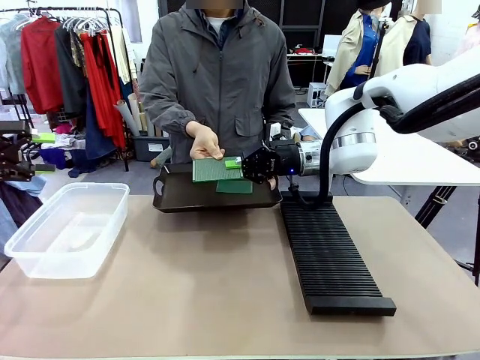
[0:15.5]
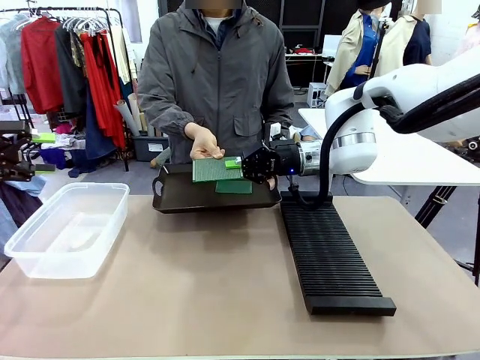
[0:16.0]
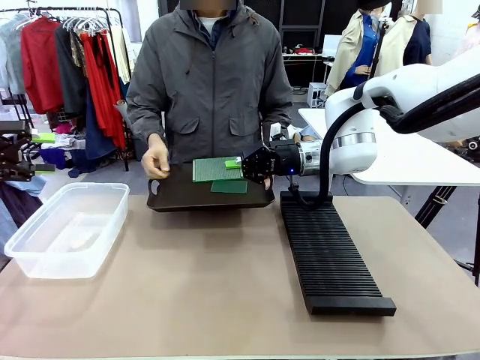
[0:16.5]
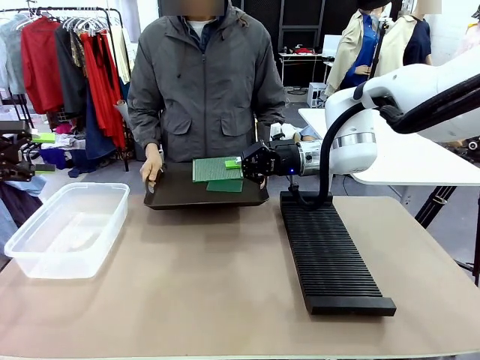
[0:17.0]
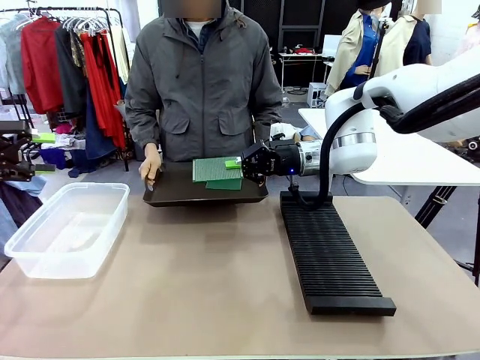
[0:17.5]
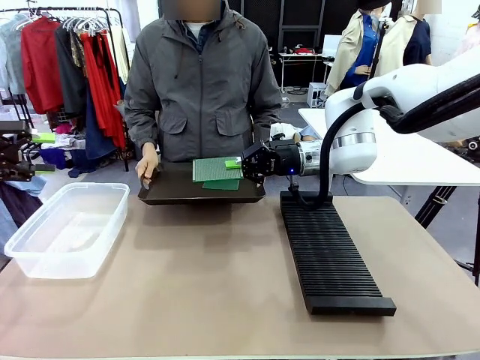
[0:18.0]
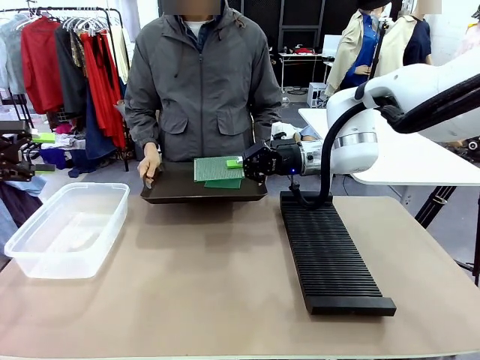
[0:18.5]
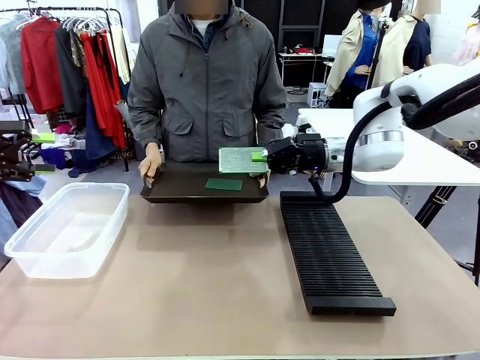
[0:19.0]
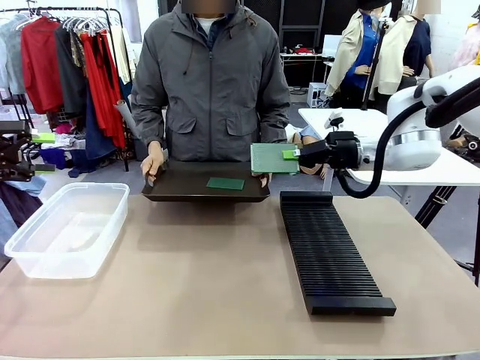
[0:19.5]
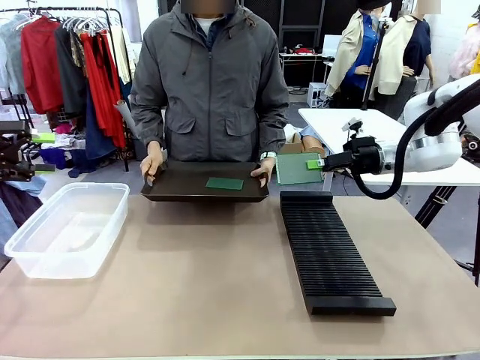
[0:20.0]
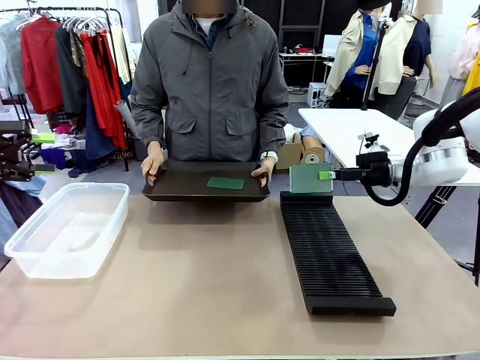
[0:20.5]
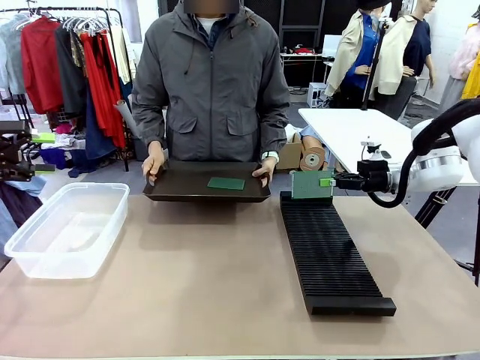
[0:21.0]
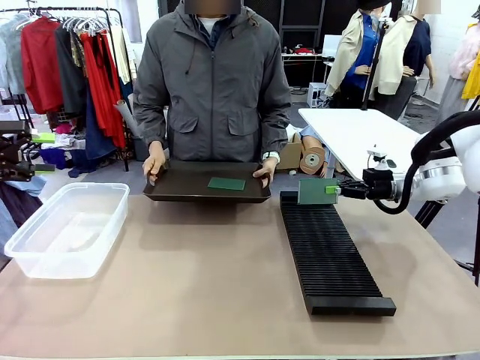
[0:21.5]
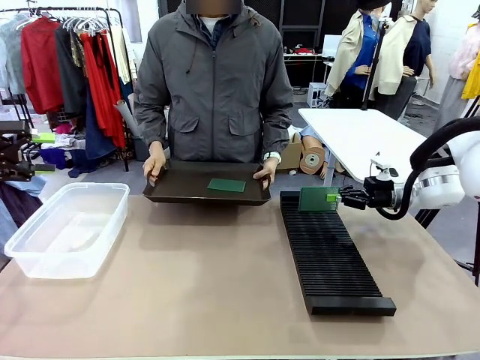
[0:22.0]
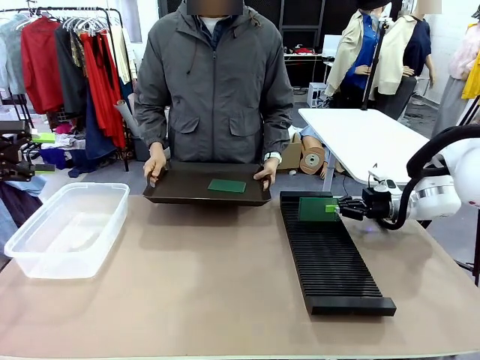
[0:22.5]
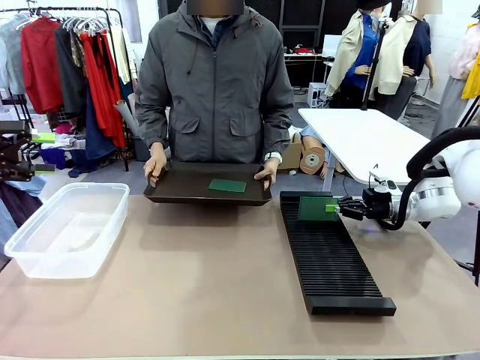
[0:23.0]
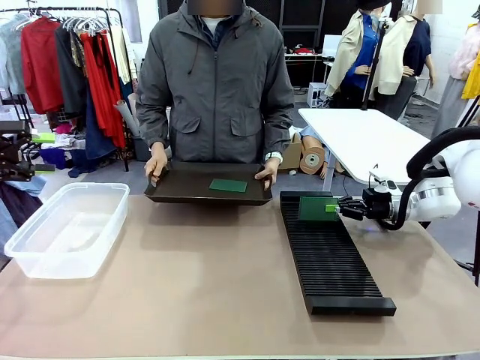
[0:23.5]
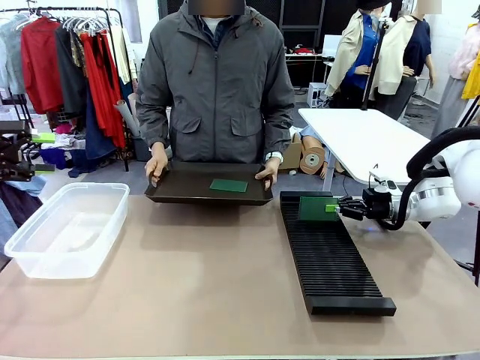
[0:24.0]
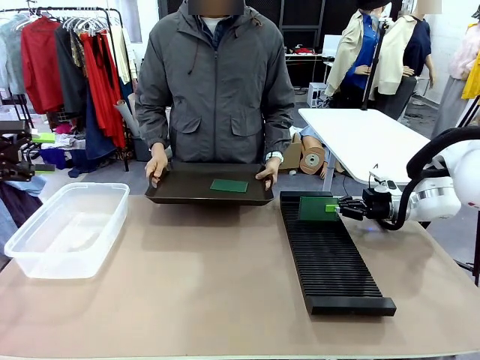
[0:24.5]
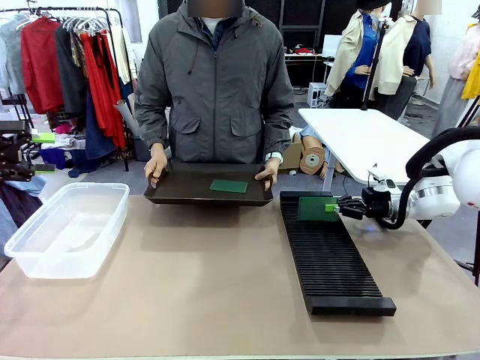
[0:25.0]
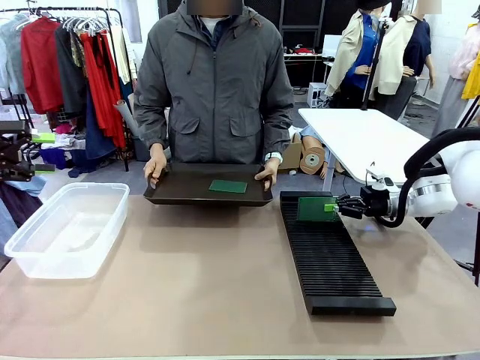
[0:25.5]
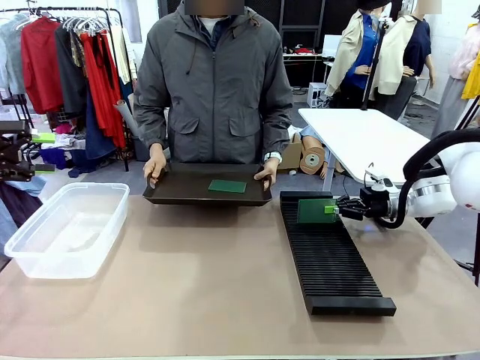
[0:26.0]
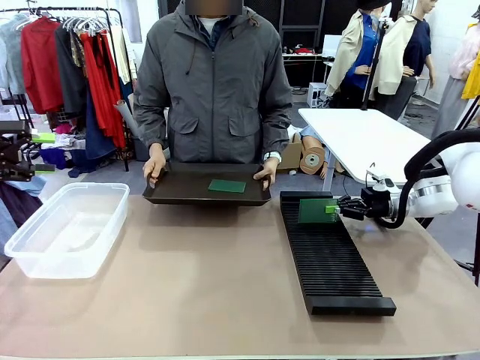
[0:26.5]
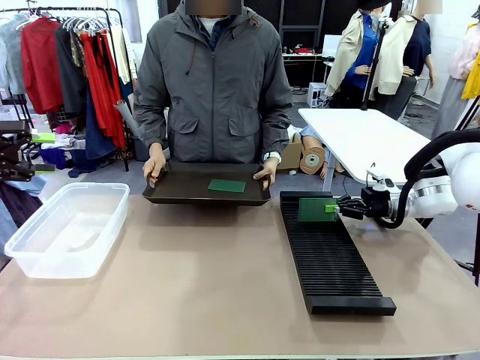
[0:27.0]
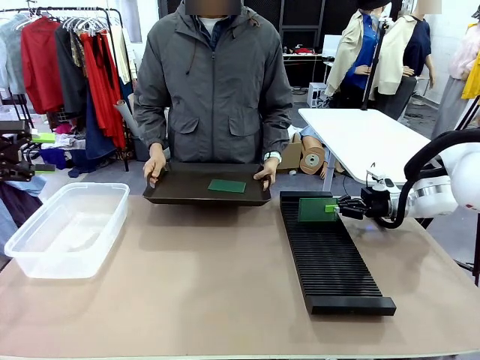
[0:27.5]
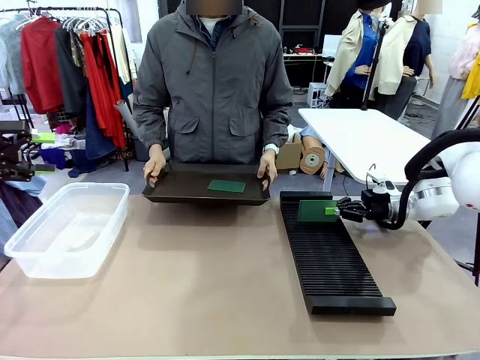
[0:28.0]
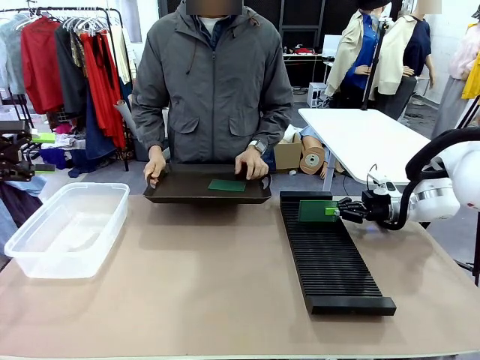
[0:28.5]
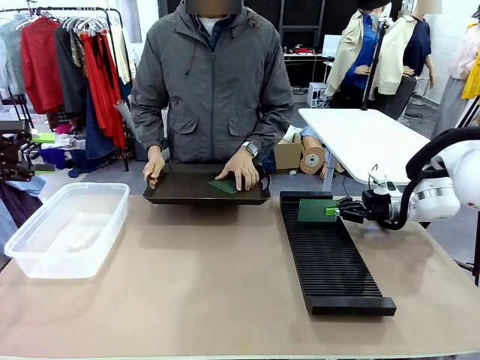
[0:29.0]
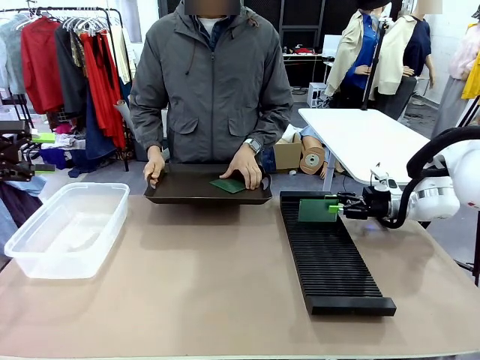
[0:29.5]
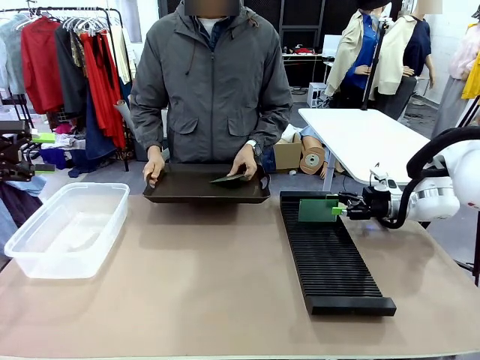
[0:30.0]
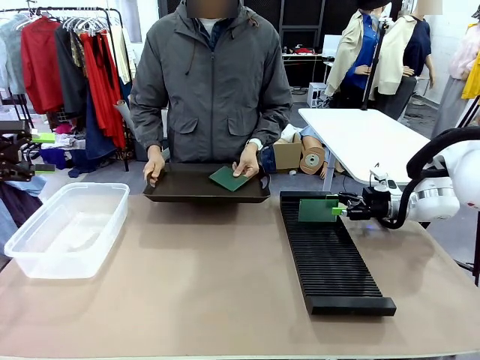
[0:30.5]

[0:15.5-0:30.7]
Task: Sort PCBs into racks and boxes based on the side picked up.
Robot: If the short side of the Blank PCB is picked up, insert it into the PCB Rack ; if the long side is picked up, place it in the Organizing box.
Person: Pick one PCB from the tray and present it to the robot.

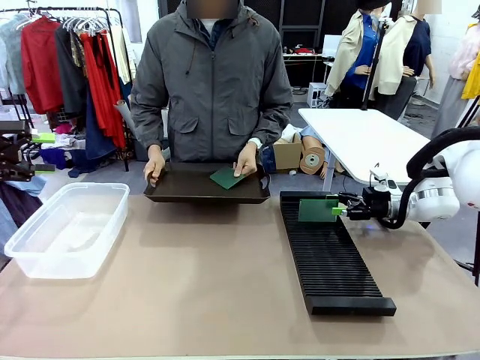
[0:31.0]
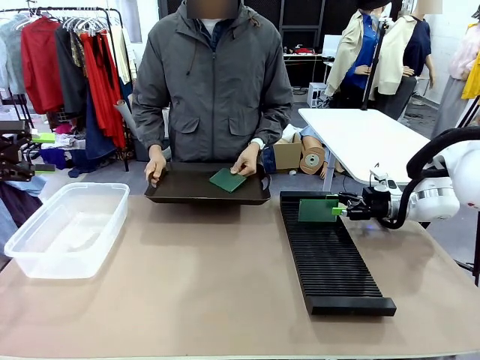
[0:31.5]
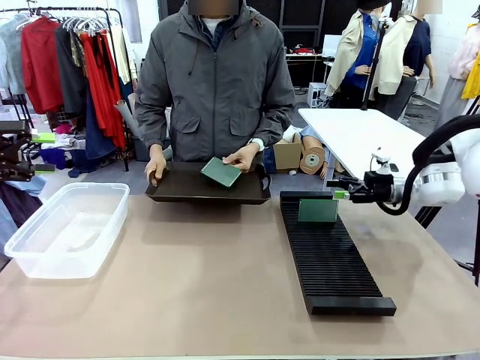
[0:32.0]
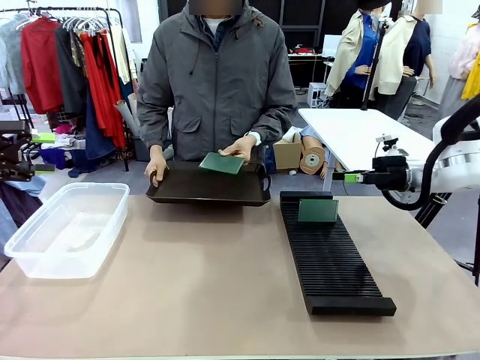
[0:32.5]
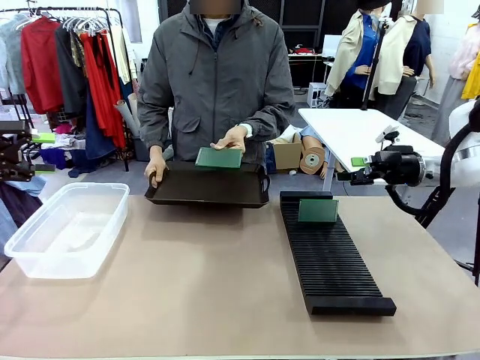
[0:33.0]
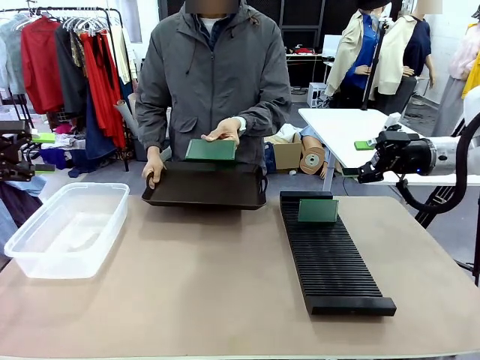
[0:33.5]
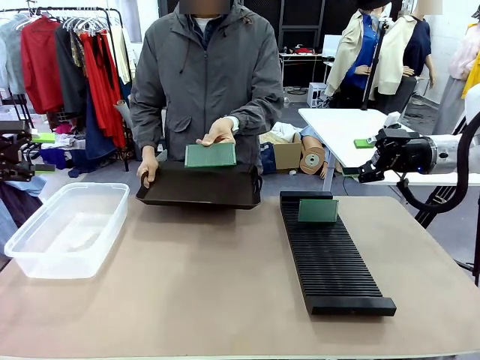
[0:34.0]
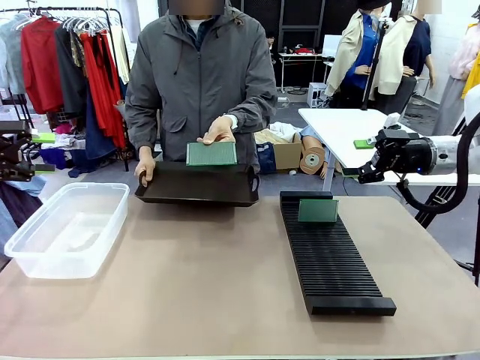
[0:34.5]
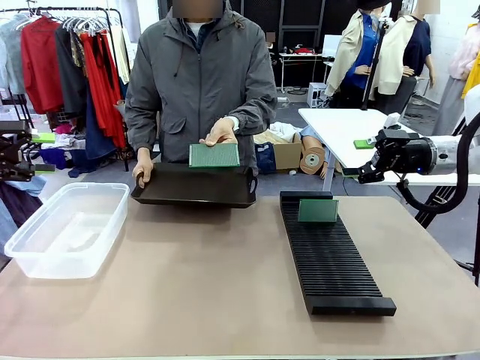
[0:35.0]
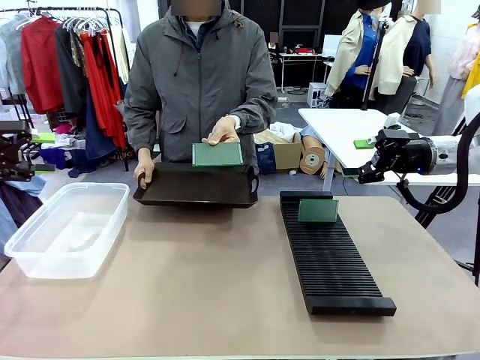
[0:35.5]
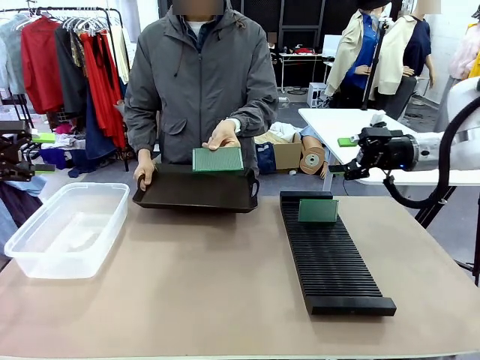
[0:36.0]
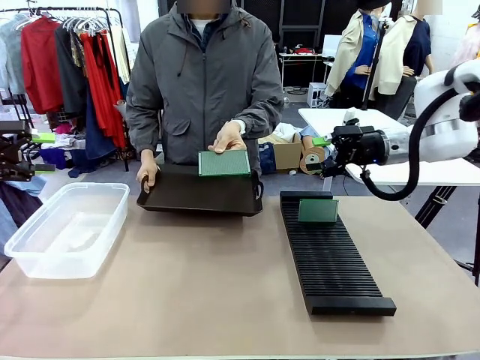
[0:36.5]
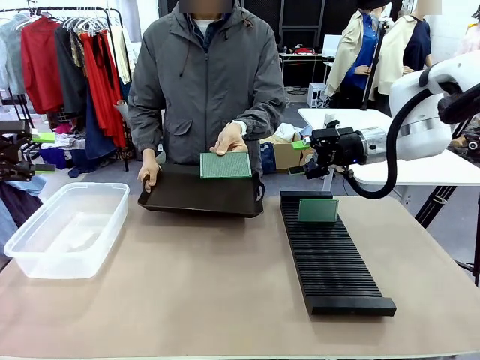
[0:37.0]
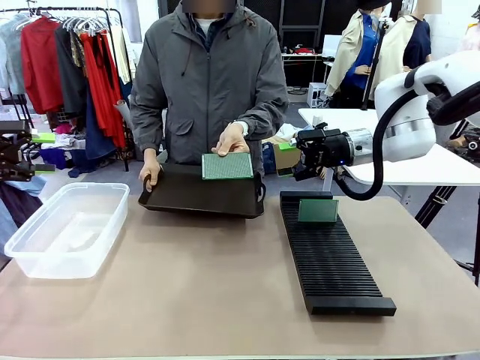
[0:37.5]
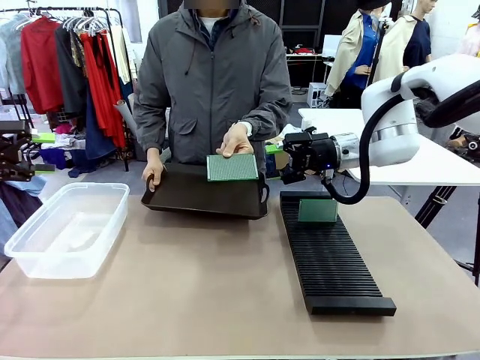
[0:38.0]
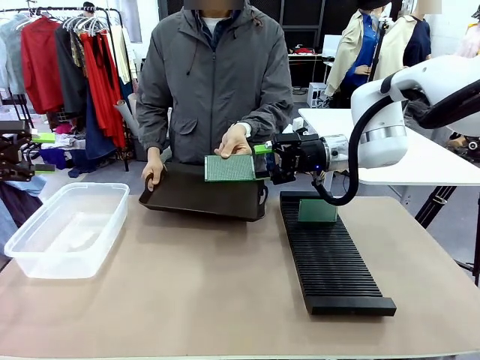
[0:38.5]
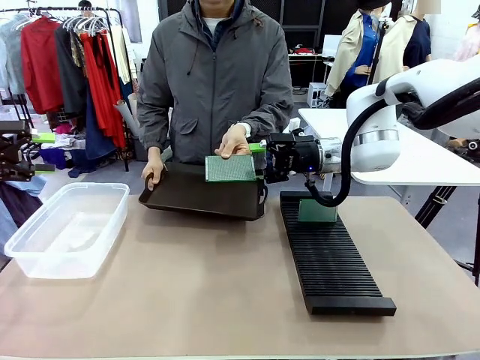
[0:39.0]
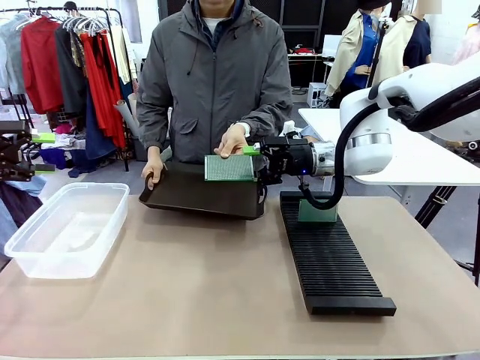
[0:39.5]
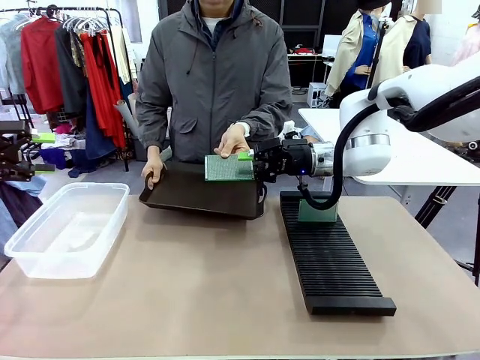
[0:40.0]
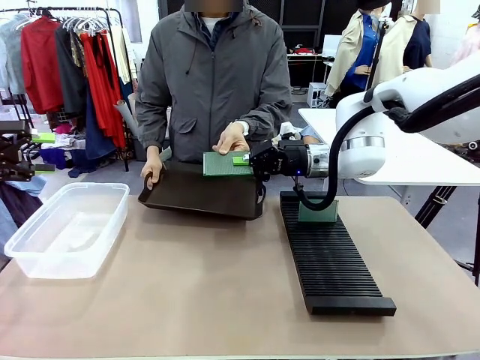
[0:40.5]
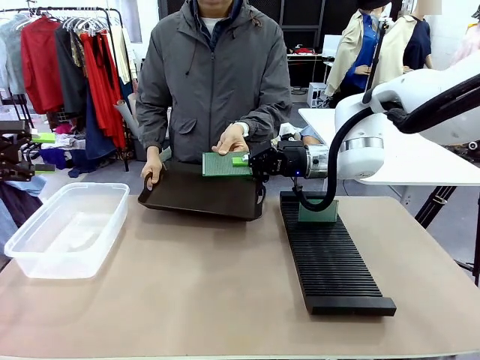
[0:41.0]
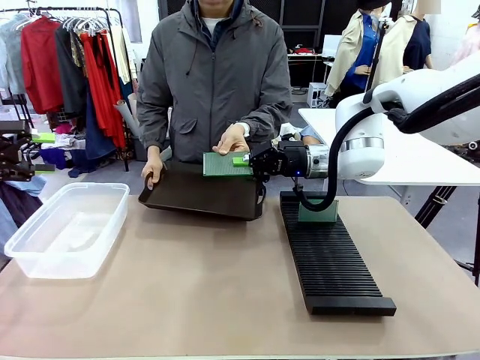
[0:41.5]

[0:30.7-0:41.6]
Robot: Pick up the Blank PCB handed by the Human.
